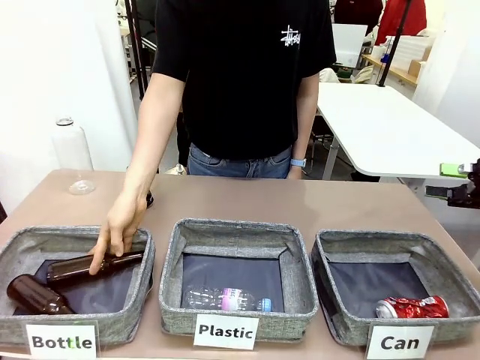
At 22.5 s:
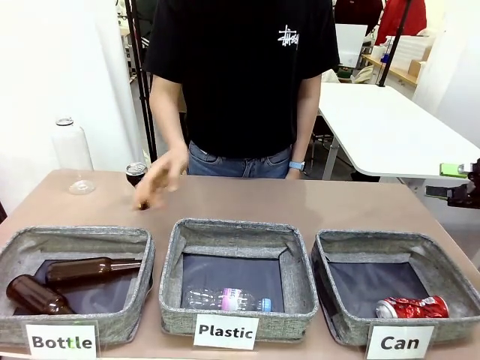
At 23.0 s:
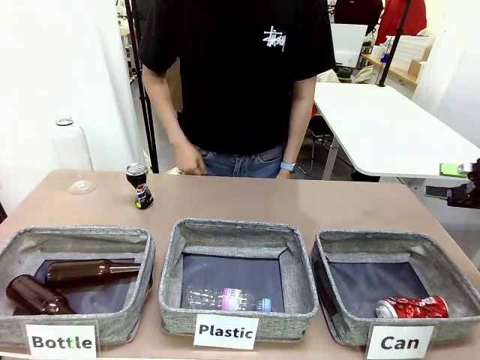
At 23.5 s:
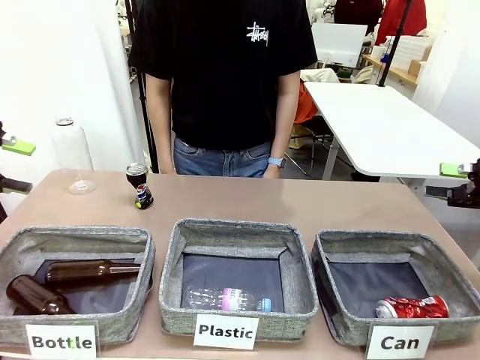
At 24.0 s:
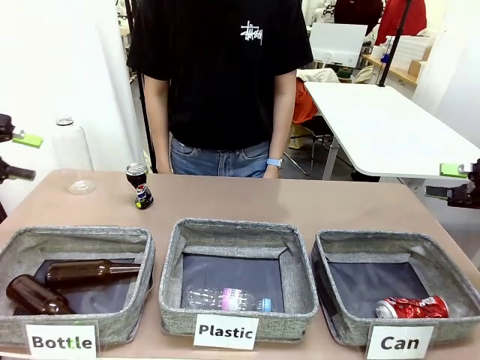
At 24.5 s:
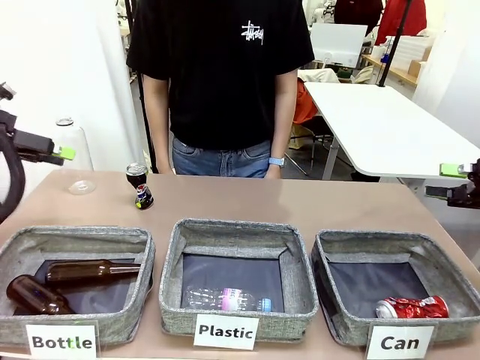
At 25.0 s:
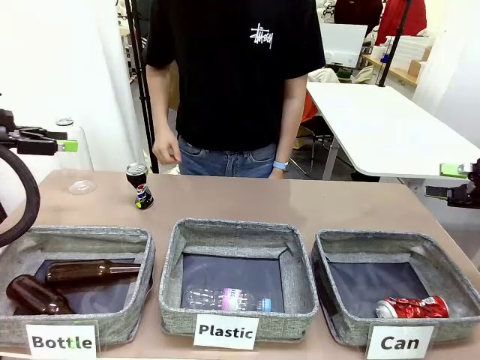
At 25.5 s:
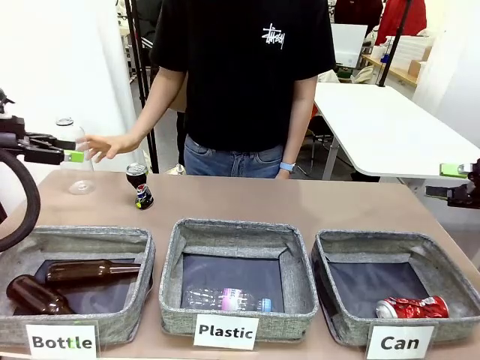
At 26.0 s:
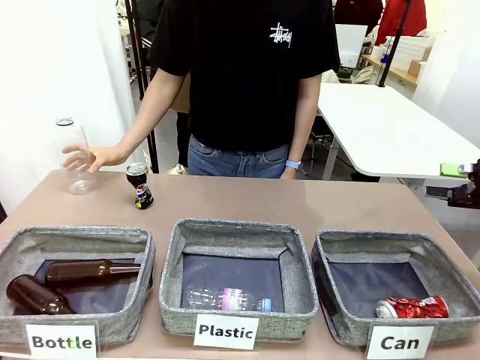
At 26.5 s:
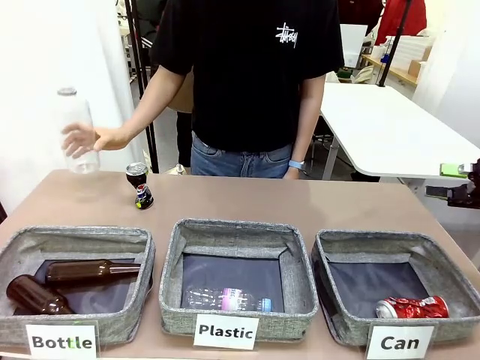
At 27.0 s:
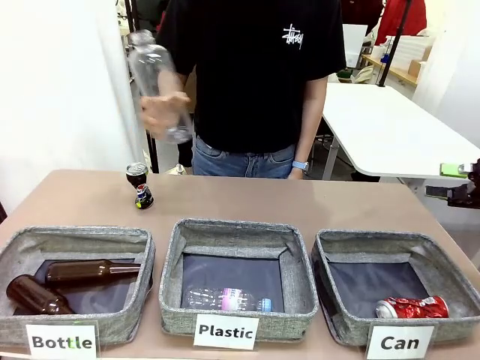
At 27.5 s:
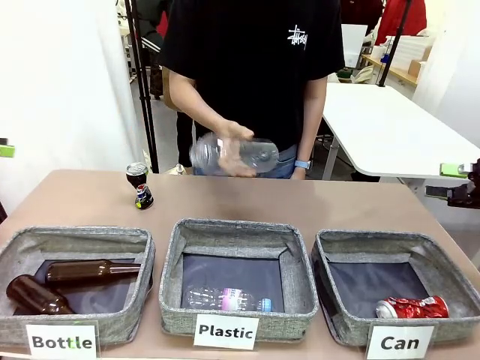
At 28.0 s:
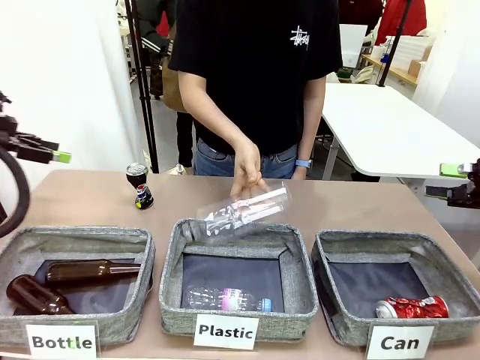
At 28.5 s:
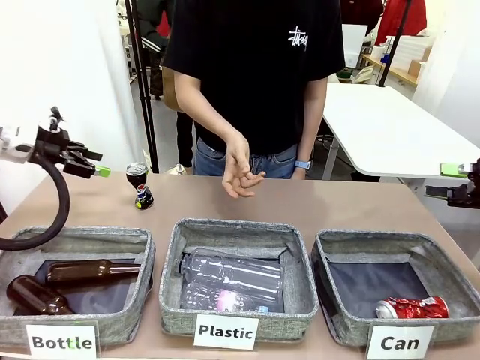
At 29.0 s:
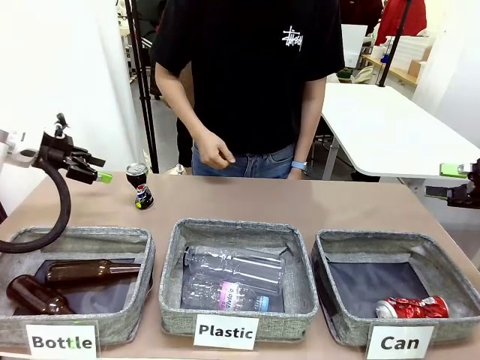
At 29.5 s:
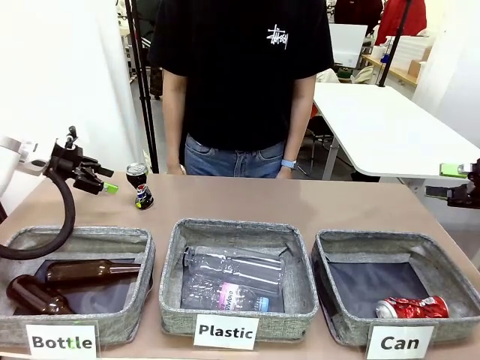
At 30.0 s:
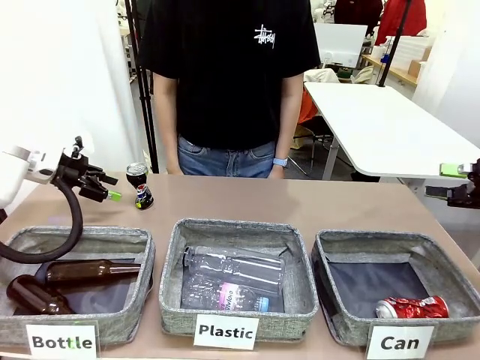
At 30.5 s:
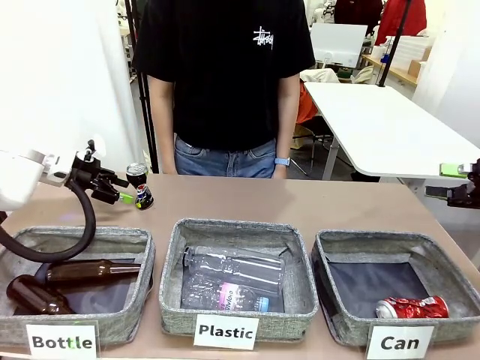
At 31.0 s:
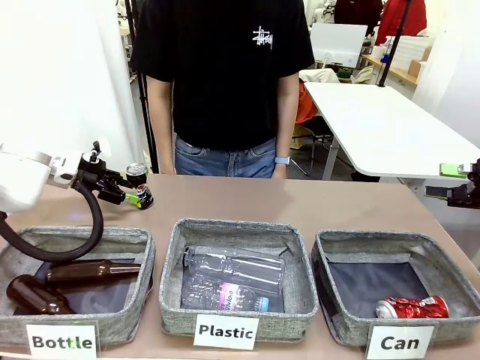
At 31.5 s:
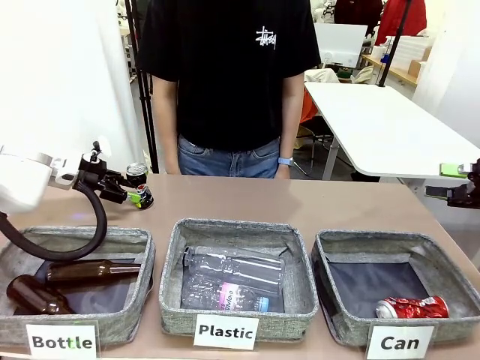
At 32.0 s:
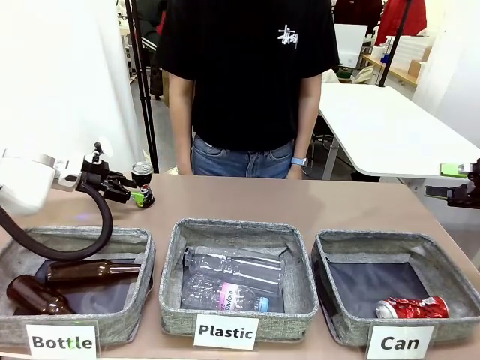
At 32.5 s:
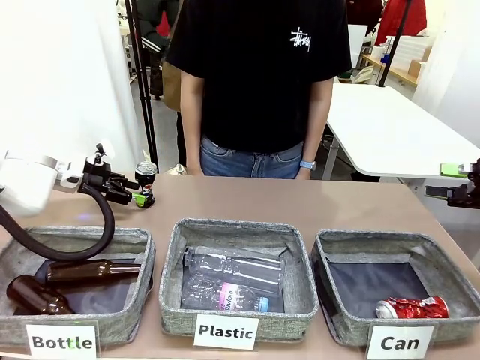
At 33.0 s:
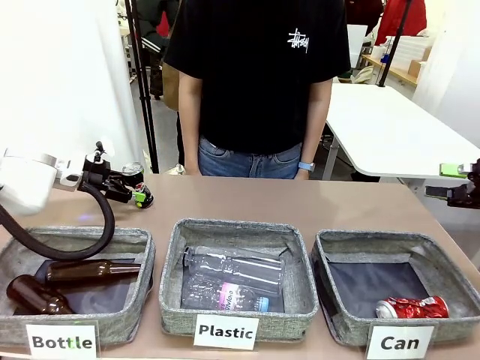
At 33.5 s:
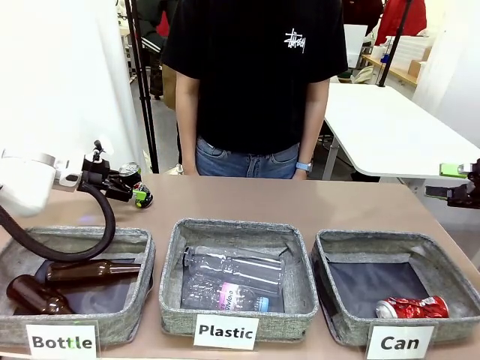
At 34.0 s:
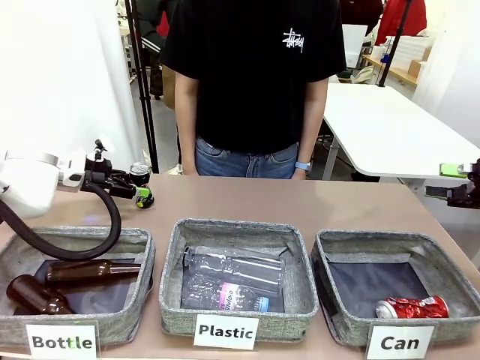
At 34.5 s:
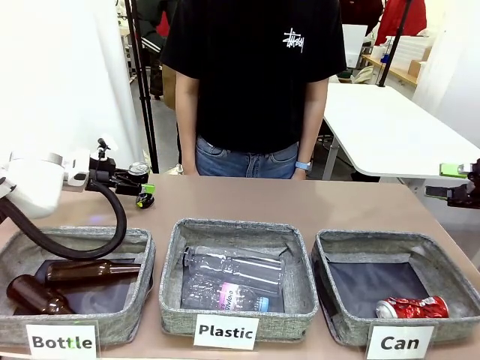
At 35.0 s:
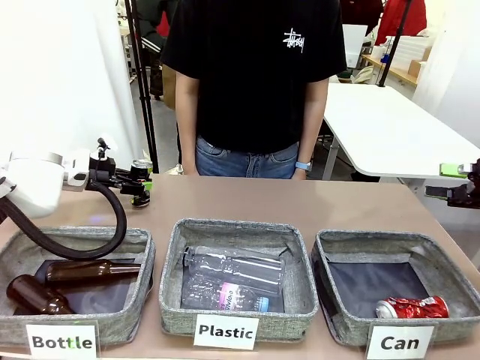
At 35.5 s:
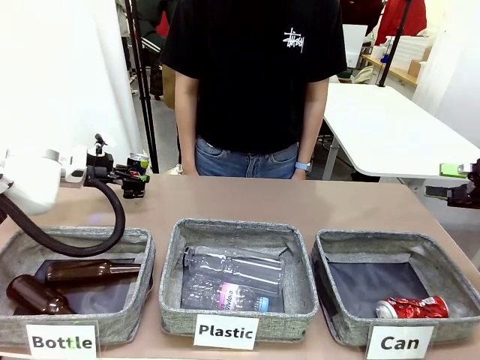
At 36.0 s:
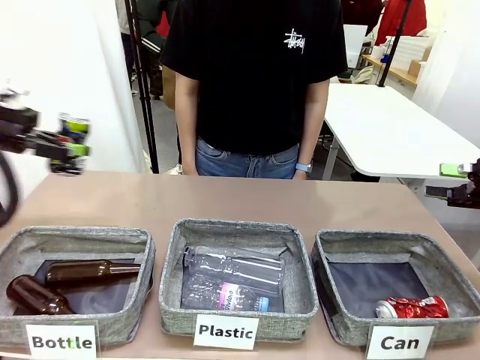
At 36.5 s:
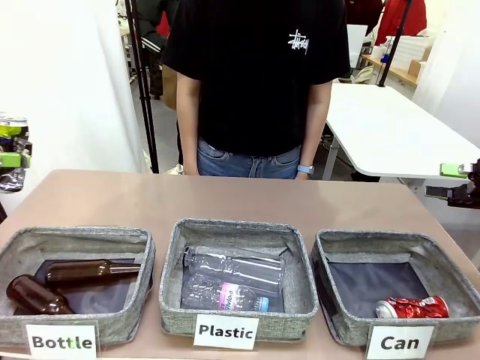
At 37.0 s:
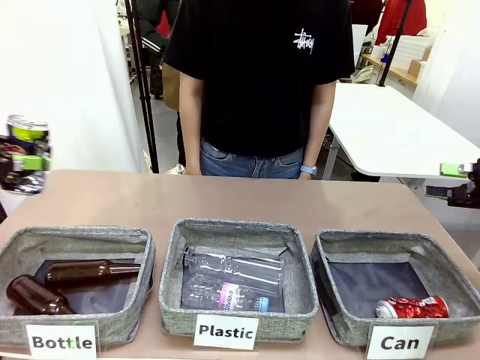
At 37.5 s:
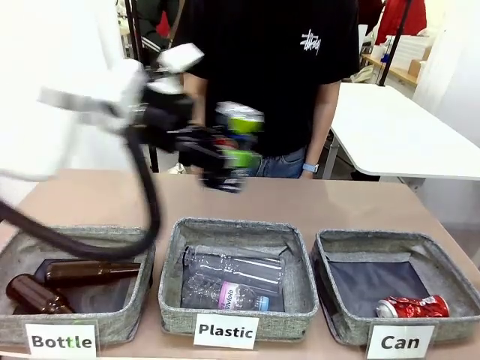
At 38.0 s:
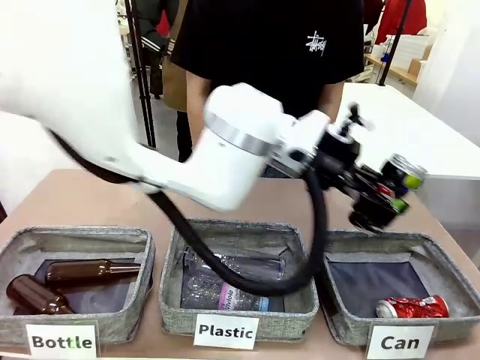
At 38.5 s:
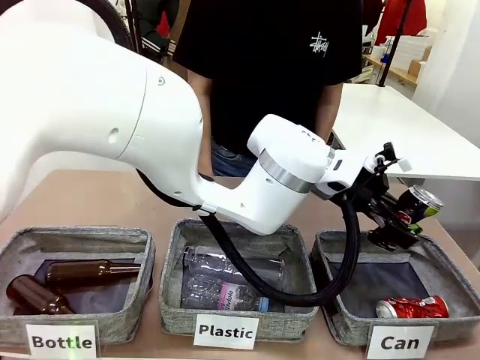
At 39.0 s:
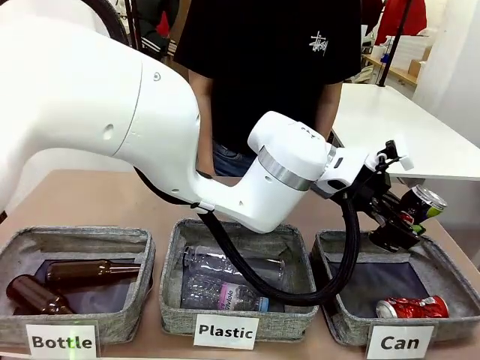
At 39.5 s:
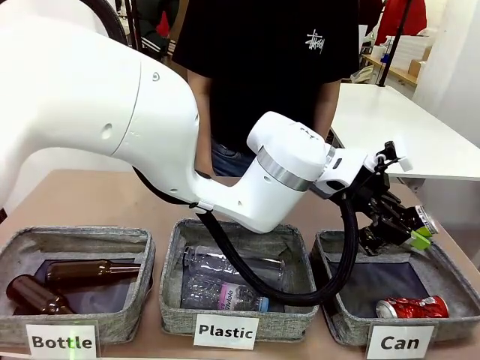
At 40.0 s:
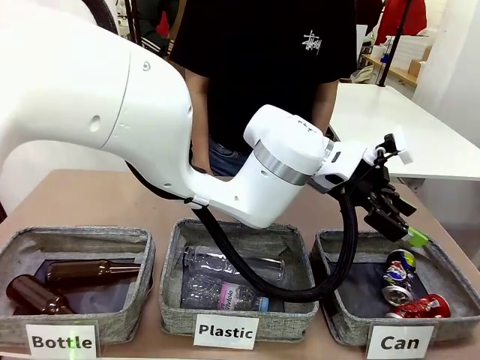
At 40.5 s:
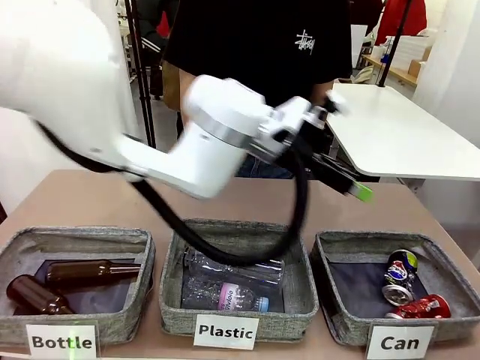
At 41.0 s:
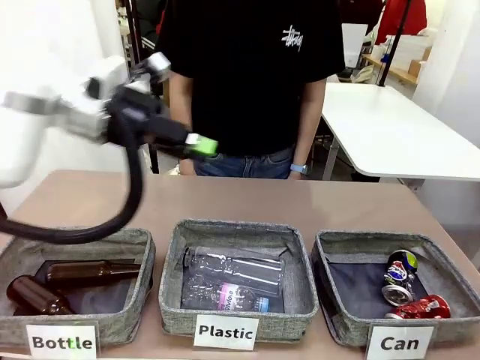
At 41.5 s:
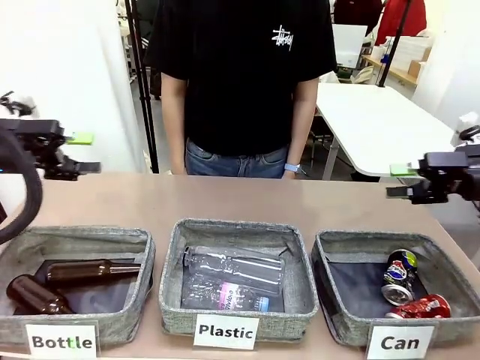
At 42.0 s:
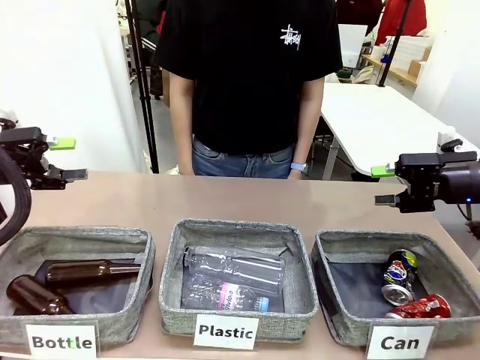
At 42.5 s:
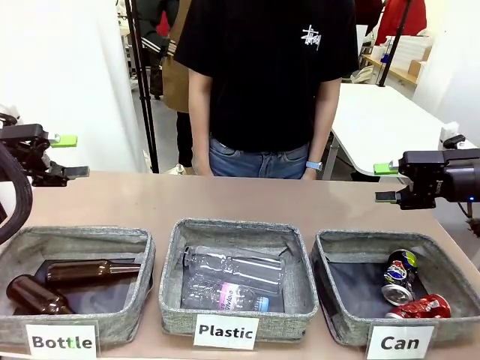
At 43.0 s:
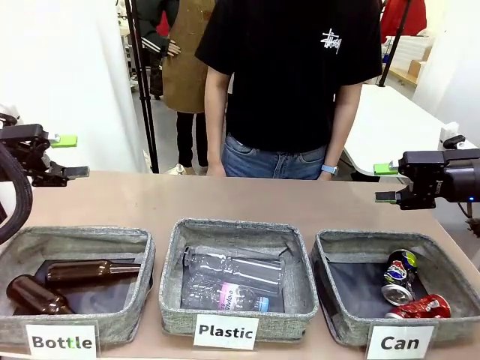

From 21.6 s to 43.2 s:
Task: Sort the can waste into the basket.
Robot: Pick up the can waste from the table and place it in the right Fabric basket.
